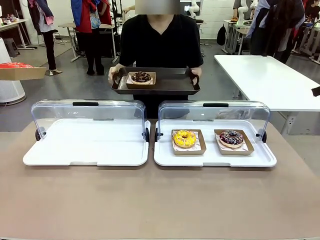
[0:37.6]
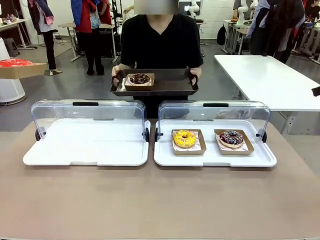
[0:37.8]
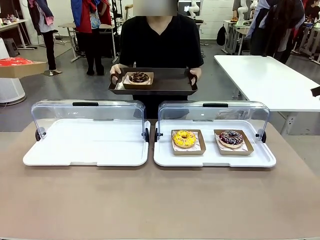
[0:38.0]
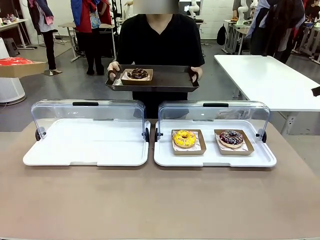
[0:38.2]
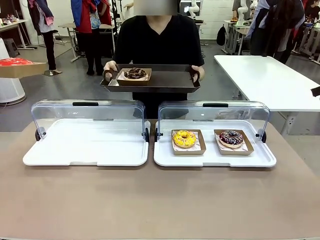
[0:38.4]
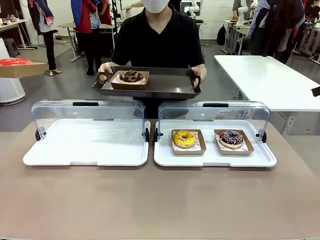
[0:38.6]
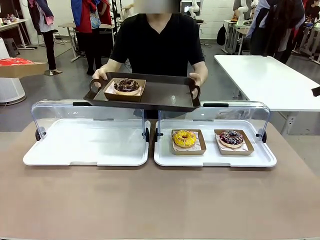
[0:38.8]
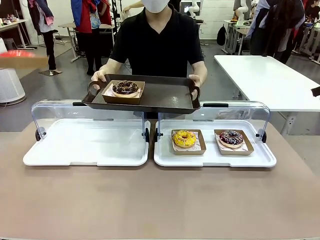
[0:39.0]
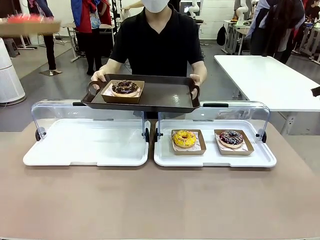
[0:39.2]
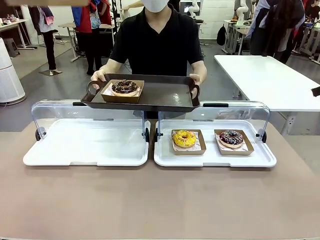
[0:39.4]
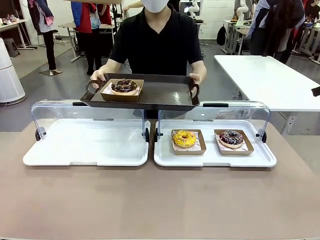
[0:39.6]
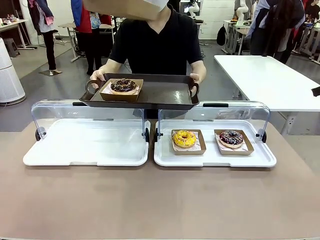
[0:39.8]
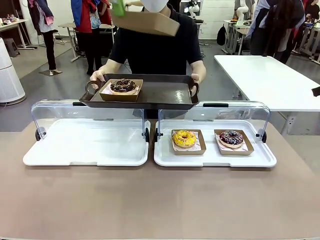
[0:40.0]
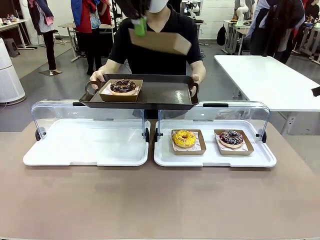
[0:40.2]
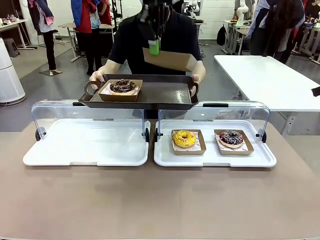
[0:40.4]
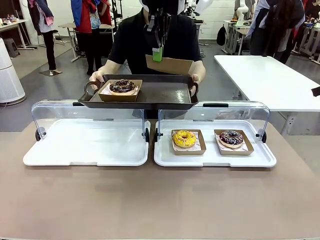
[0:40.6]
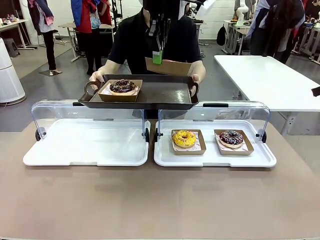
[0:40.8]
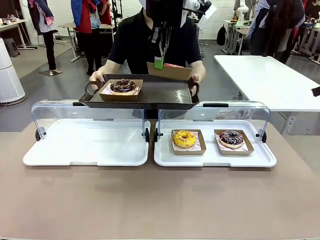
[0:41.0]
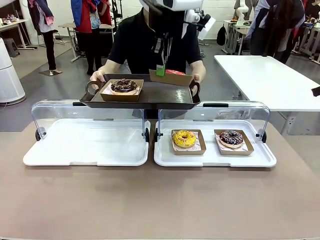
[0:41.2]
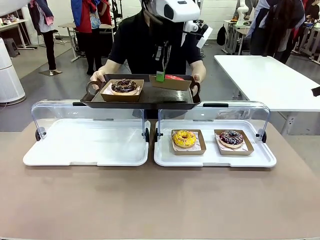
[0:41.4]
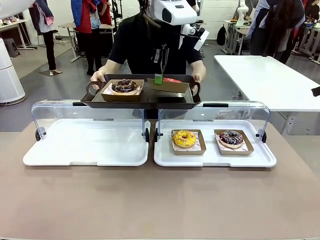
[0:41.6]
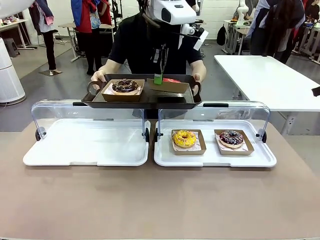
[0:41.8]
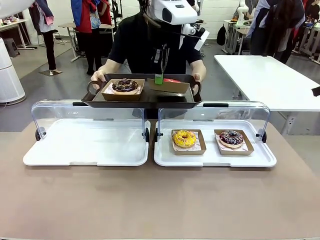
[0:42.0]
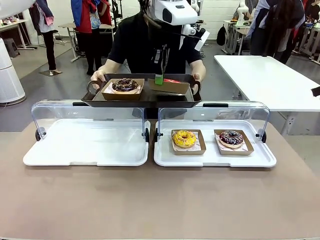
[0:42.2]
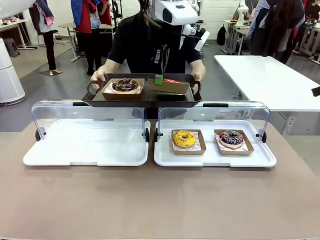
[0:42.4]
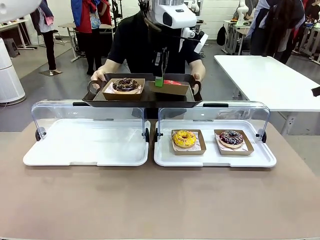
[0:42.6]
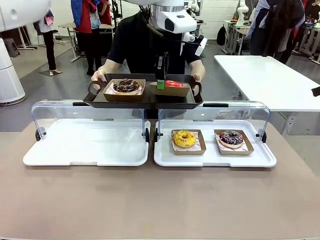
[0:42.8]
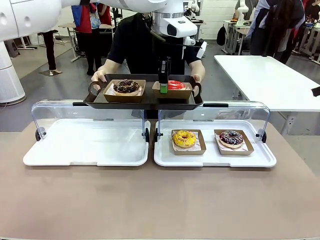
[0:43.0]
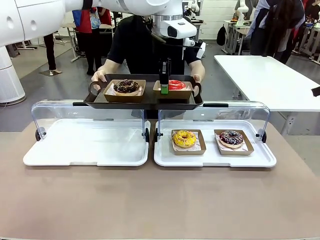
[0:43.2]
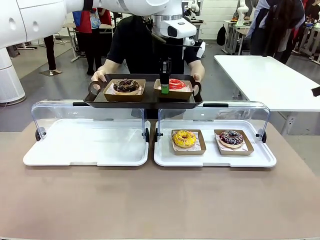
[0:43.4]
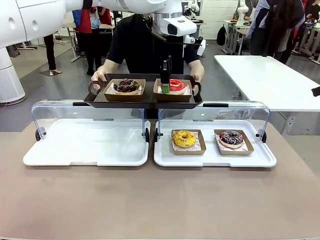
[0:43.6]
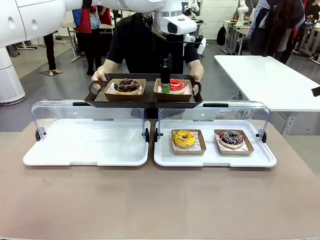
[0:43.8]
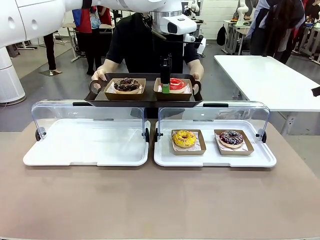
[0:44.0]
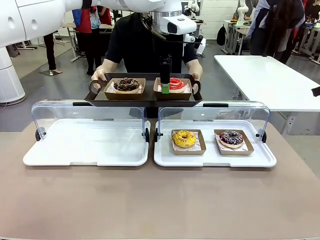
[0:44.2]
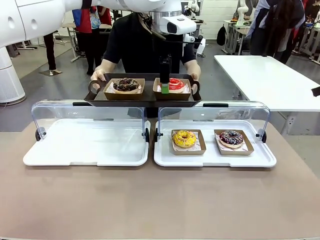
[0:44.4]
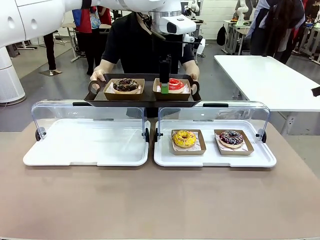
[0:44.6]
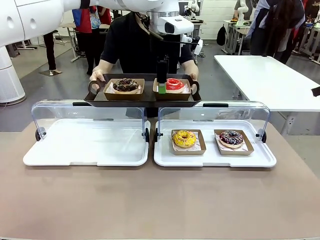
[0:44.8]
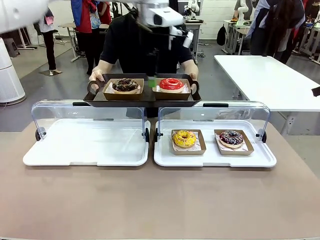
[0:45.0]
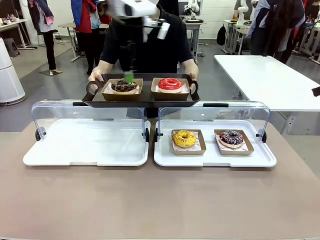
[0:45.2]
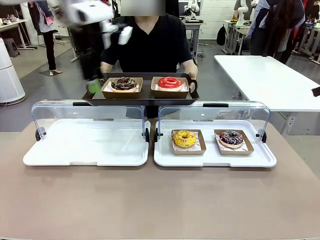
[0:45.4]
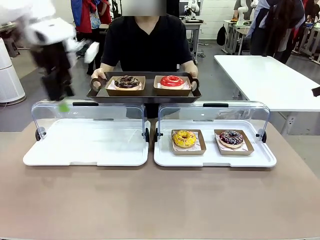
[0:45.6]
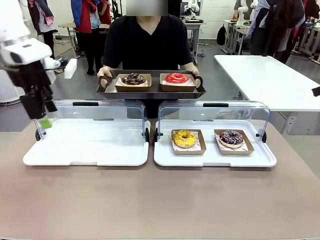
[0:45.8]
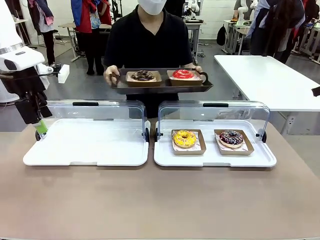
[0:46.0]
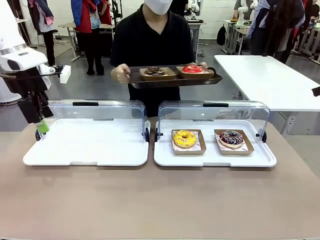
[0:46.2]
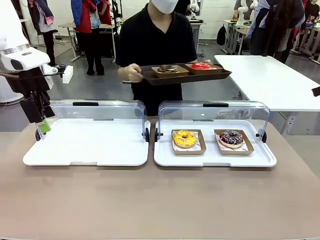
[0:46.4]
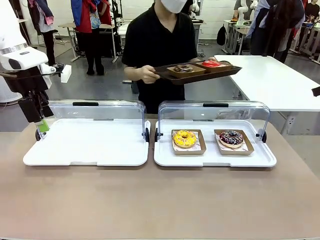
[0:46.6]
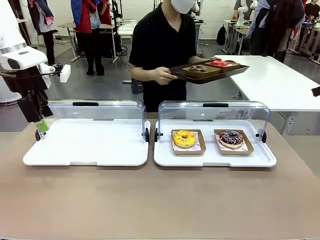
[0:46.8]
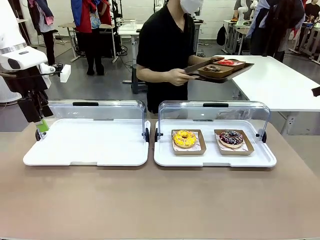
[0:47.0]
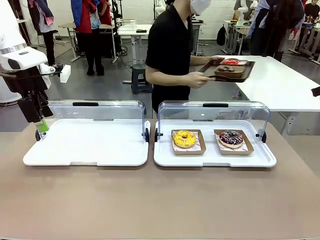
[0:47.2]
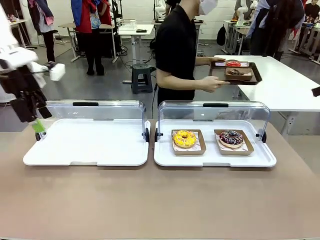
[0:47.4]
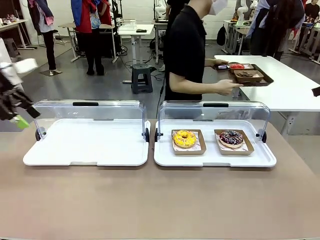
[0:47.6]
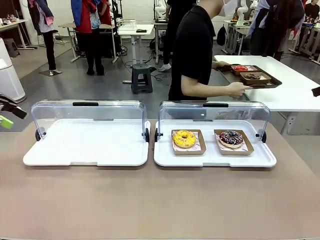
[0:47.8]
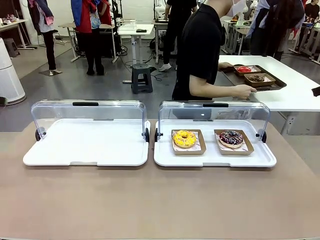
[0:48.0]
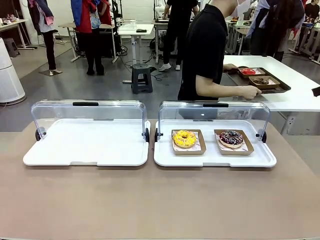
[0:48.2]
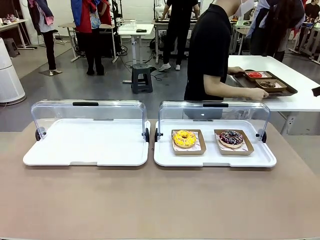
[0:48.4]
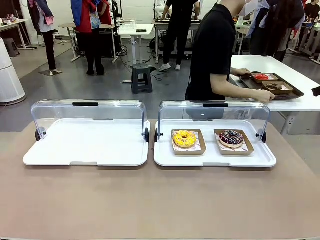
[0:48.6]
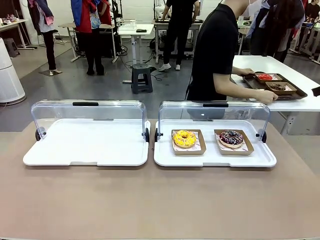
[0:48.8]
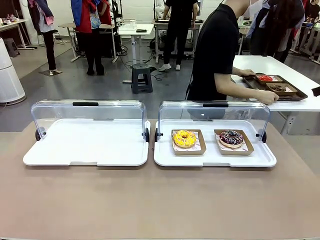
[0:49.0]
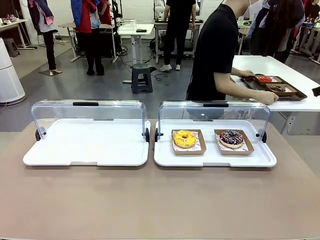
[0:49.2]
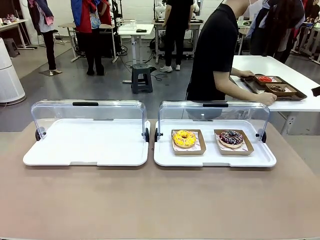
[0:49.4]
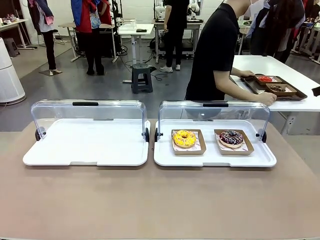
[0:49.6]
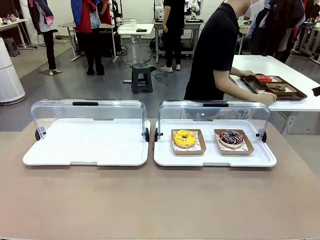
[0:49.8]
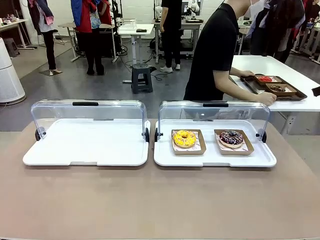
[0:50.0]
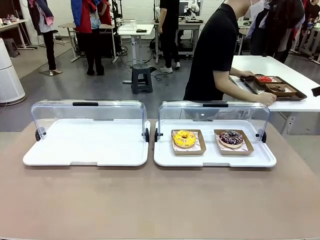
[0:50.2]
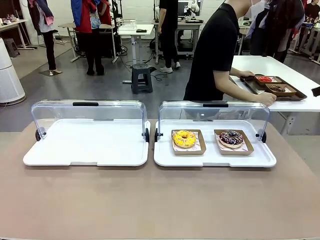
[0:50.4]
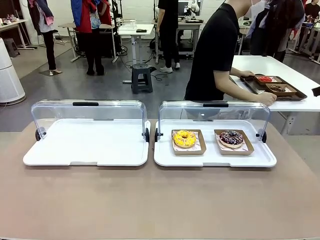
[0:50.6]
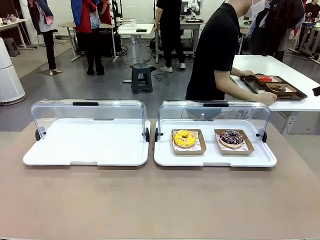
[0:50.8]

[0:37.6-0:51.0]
Task: Provide the desired donut to the person.
Robot: Place the picked Paper togo box onto the Handle tray extended by the person.
Person: Lift the tray onto the Roll-Top Bakery Case. Place the tray in the middle of the human table.
